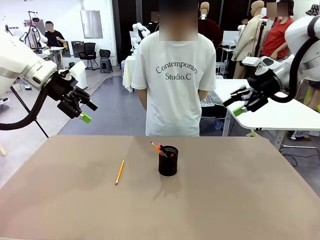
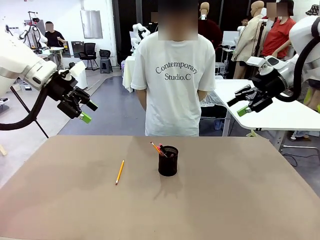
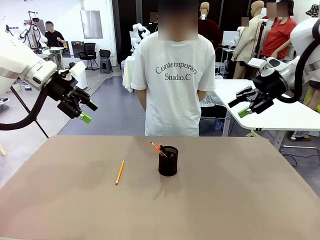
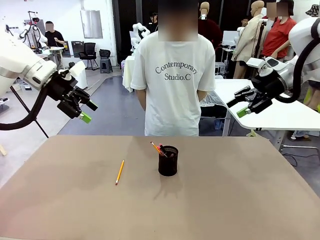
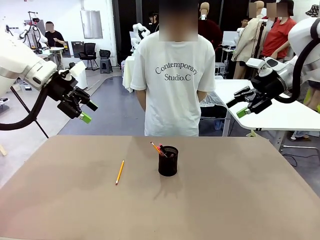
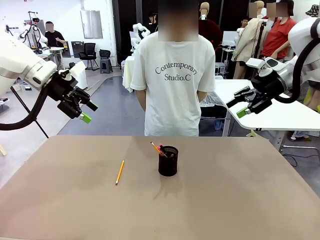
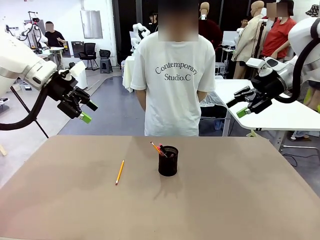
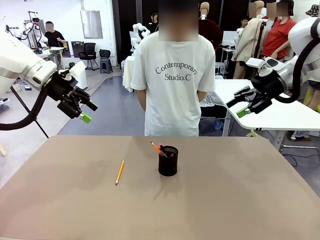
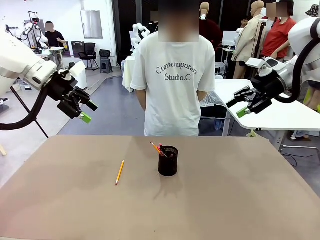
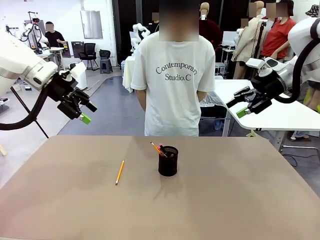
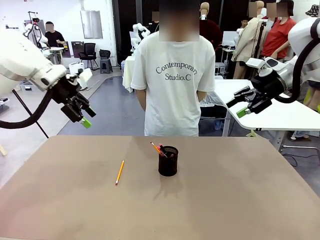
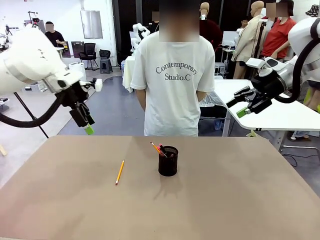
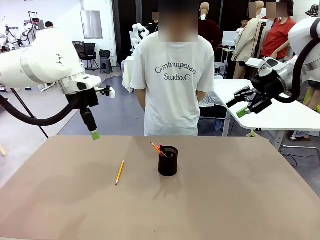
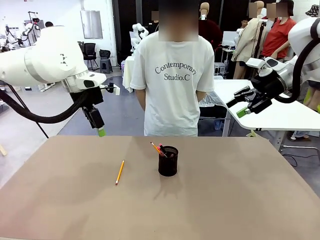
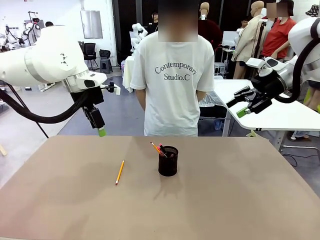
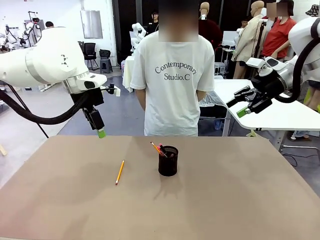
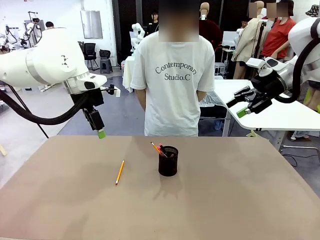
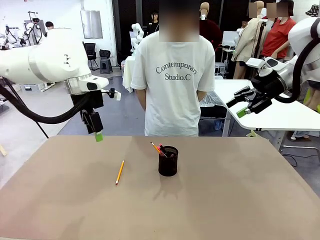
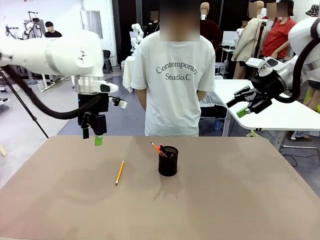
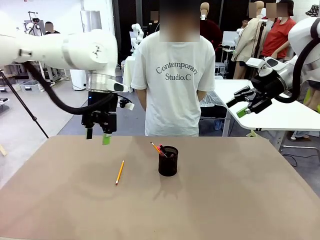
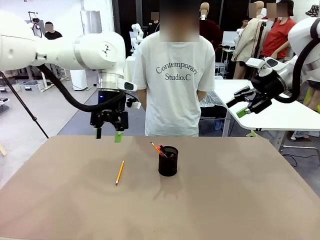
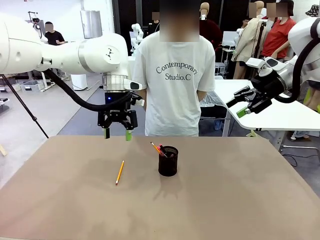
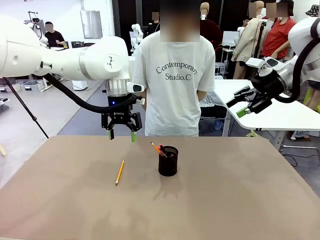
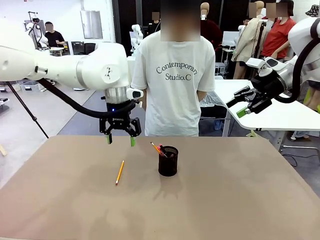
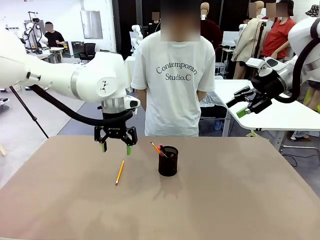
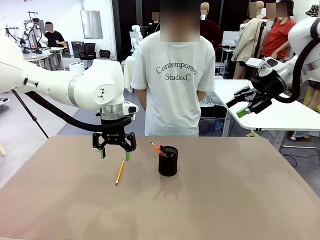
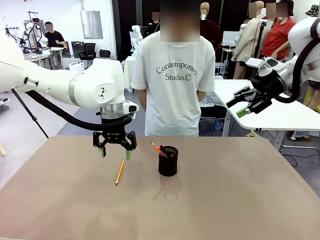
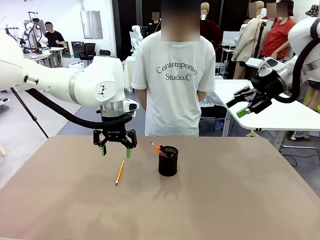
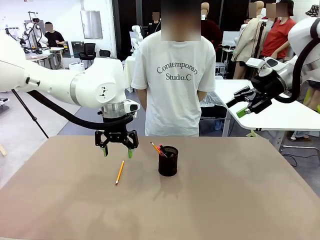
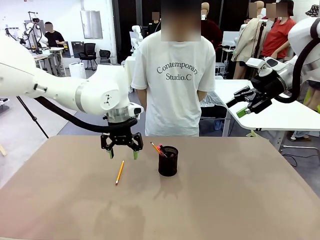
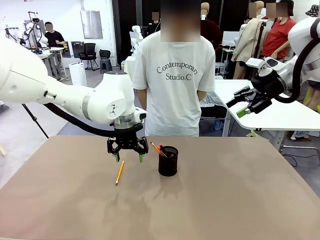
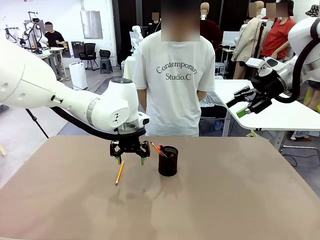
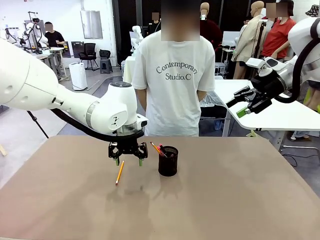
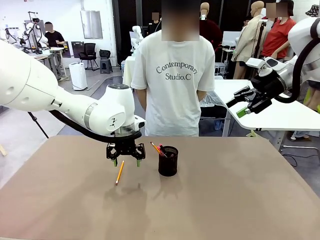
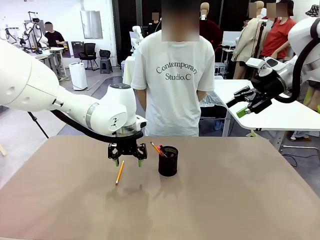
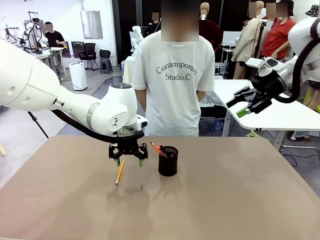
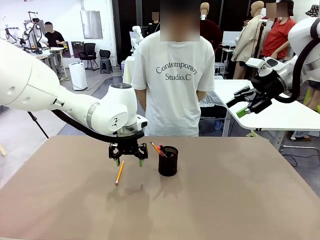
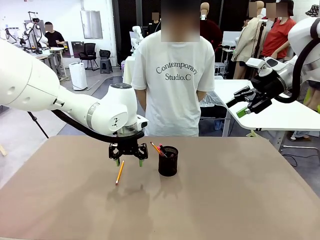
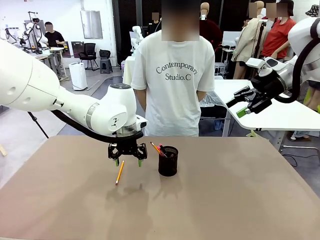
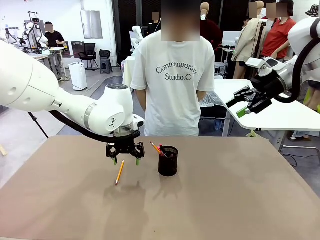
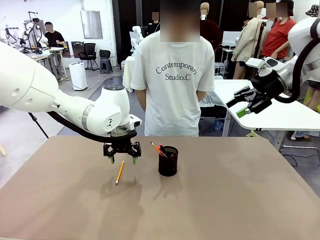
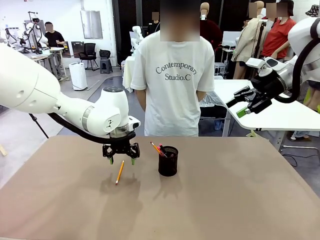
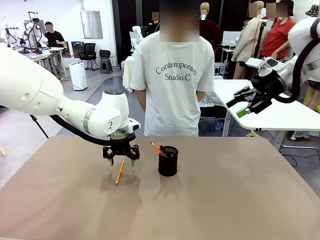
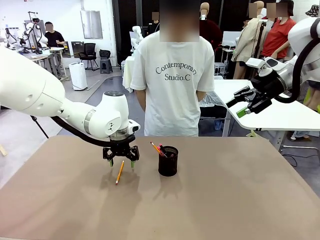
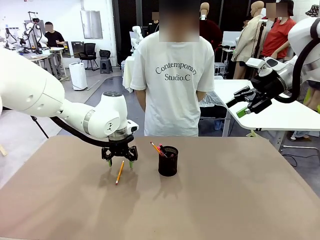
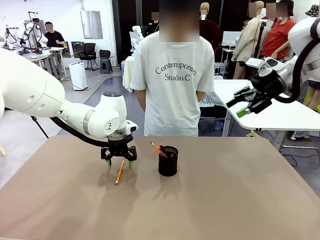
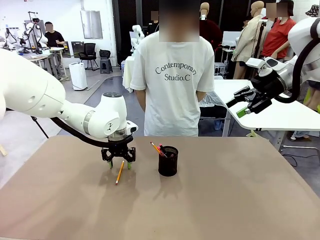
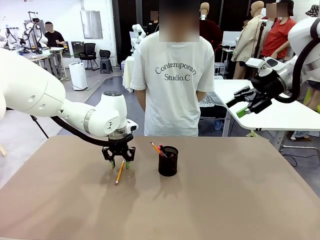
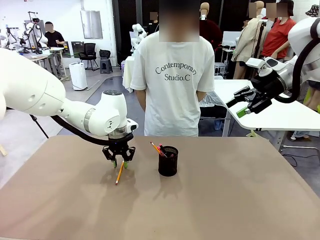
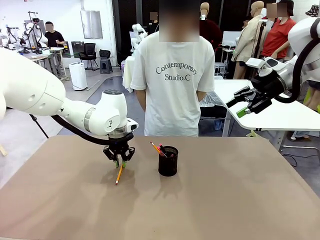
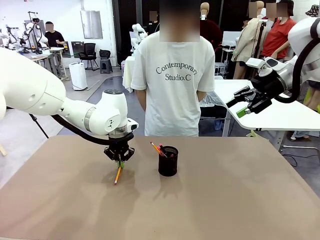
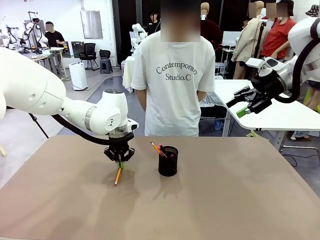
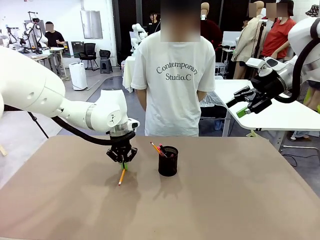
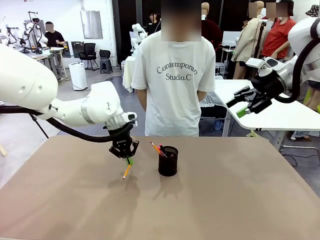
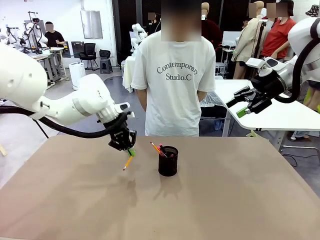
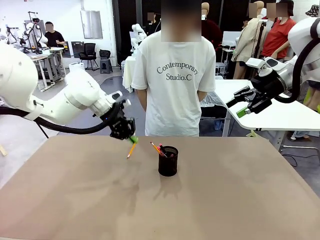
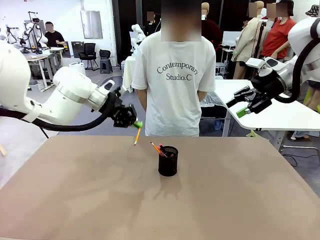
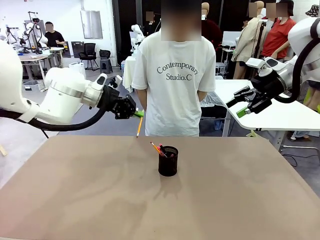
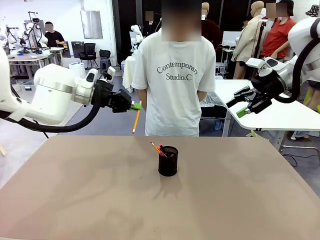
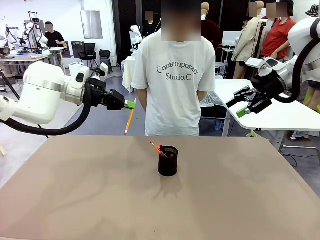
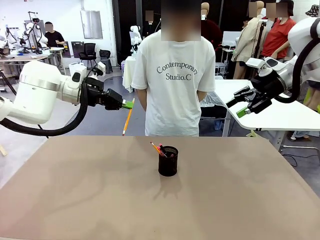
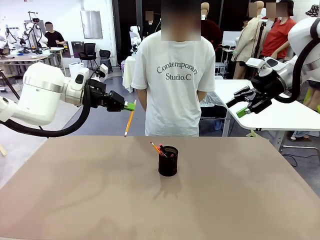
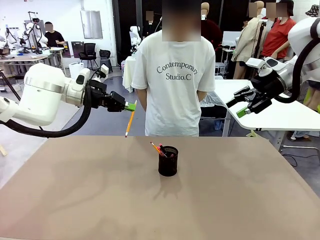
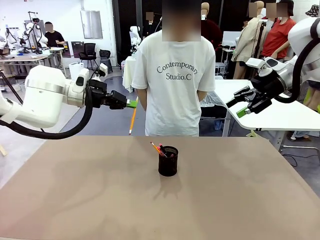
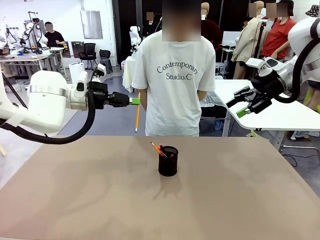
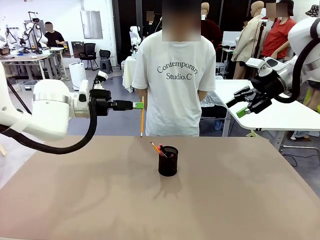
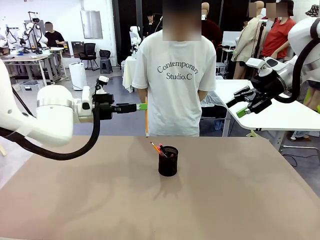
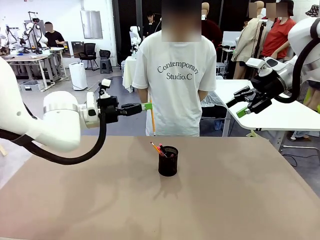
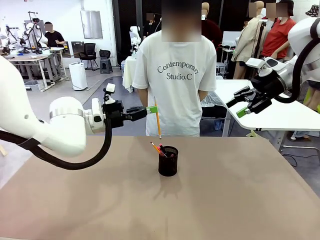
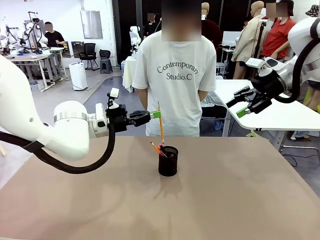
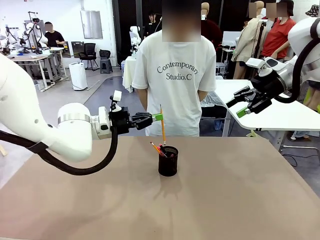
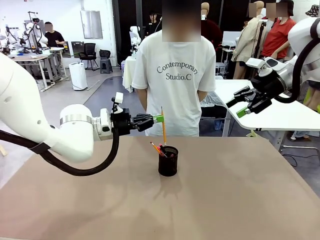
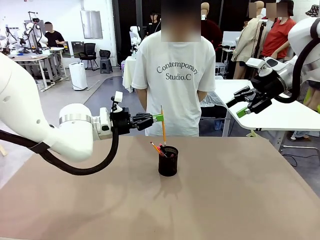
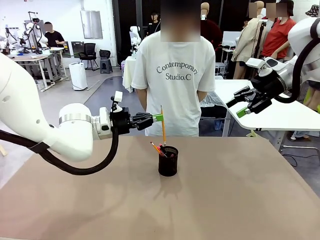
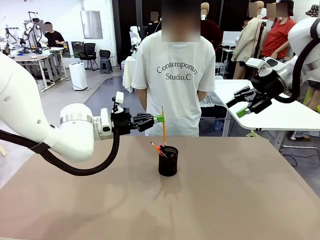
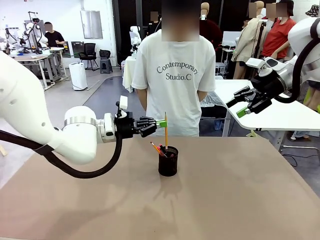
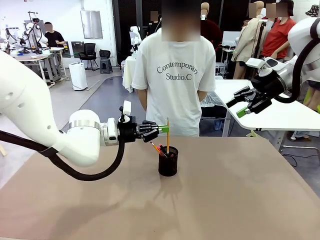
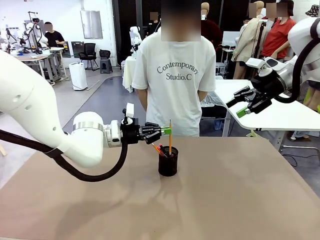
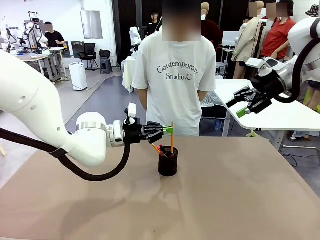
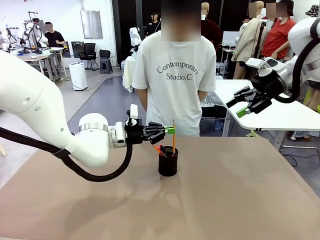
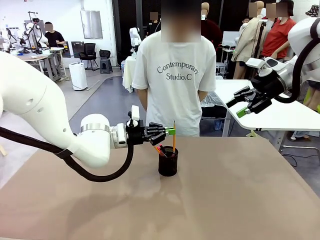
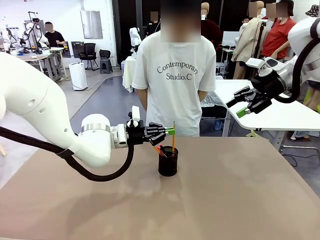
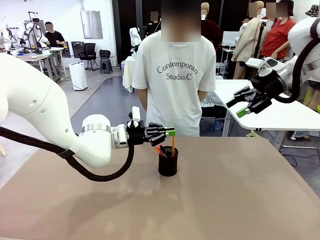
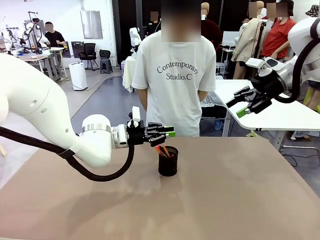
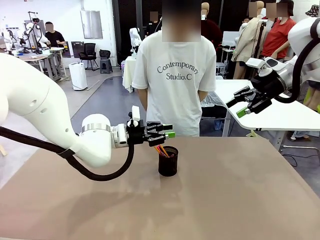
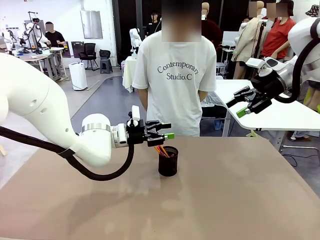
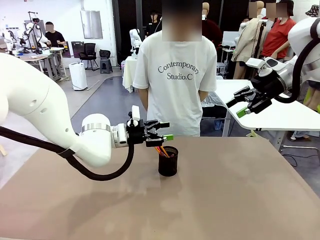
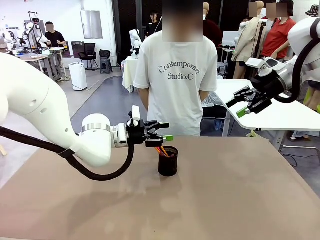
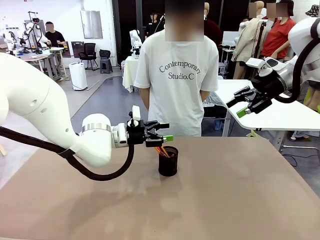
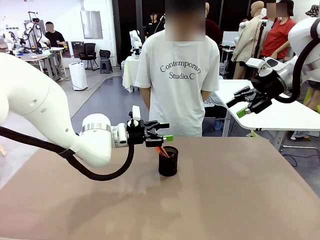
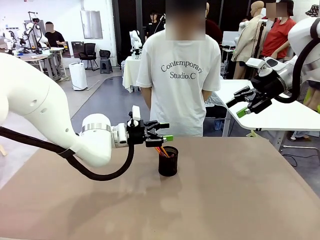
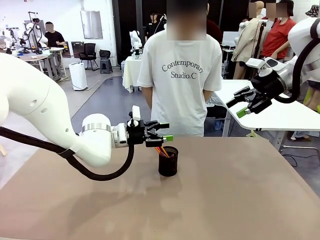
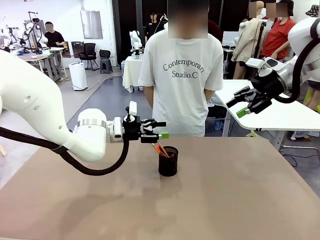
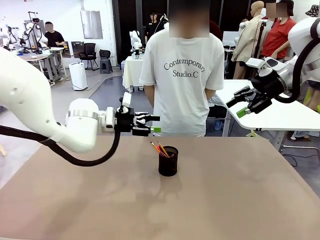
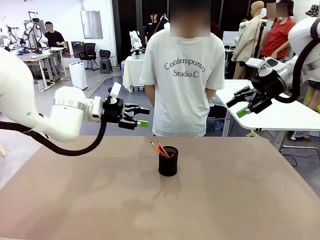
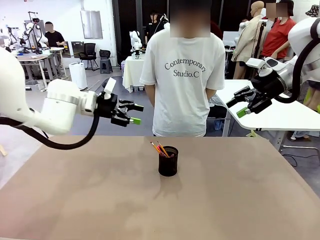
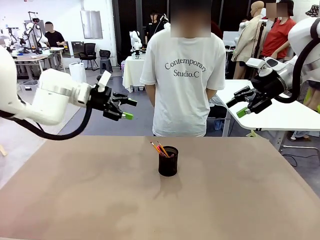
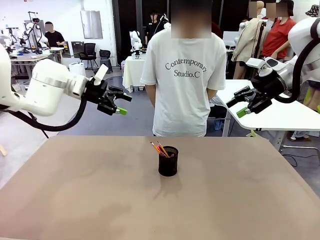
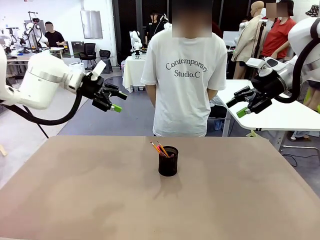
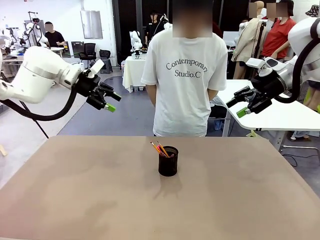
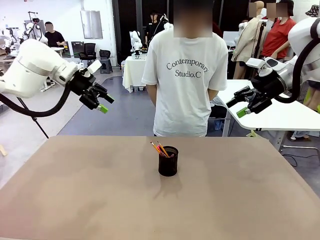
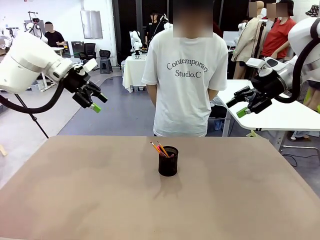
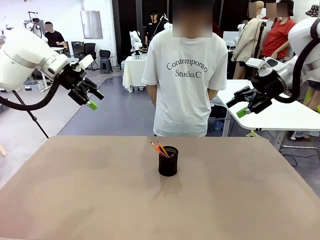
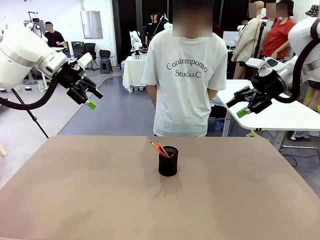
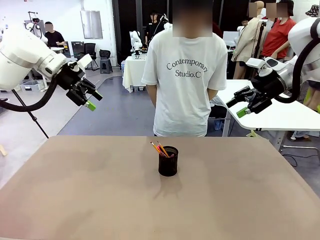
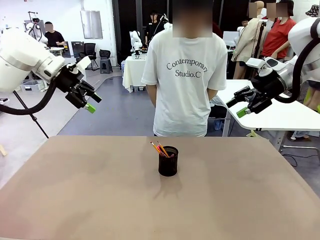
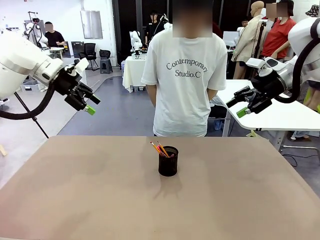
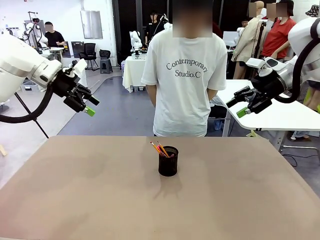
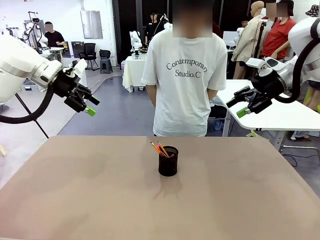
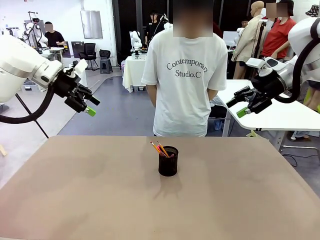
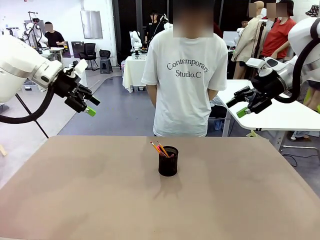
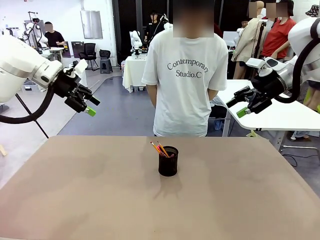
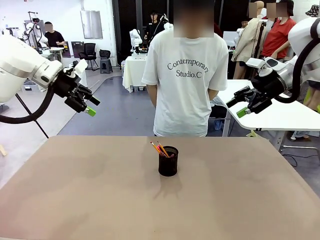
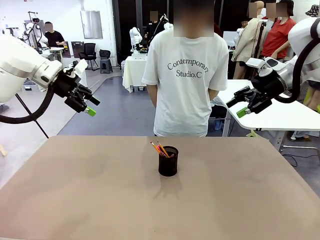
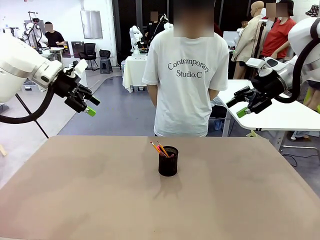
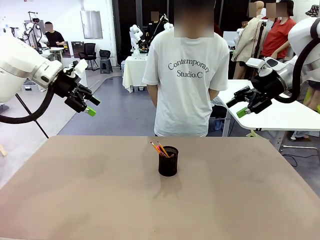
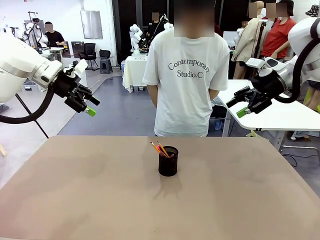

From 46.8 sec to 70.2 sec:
Task: Place the pens into the pen holder.
Robot: Pick up a writing instrument from the table and place it into the Pen holder.
